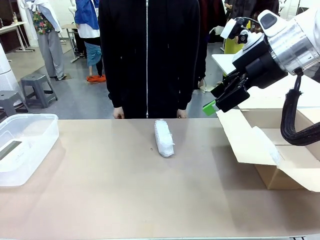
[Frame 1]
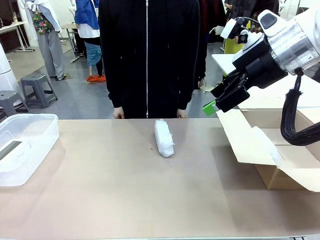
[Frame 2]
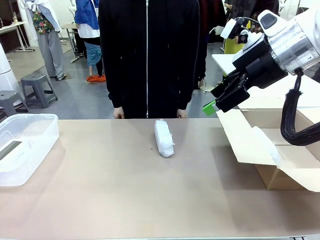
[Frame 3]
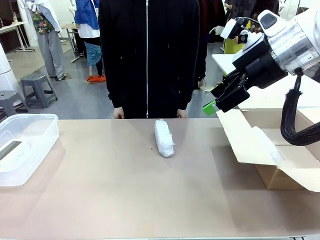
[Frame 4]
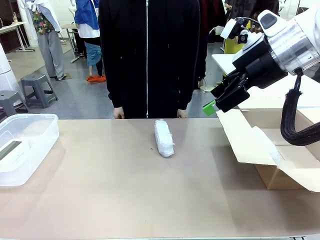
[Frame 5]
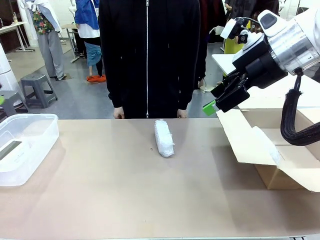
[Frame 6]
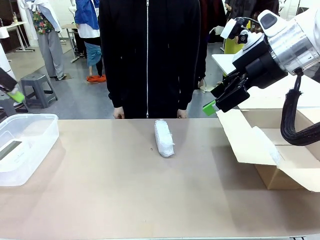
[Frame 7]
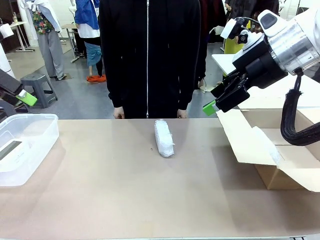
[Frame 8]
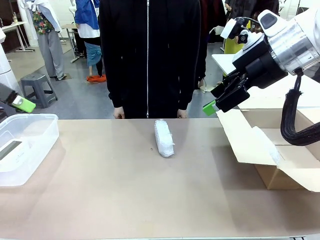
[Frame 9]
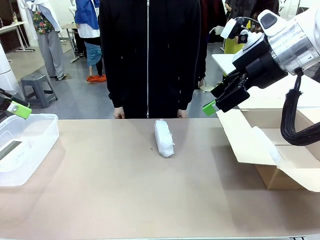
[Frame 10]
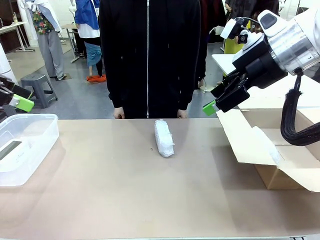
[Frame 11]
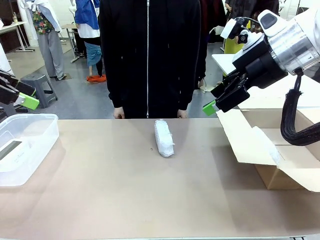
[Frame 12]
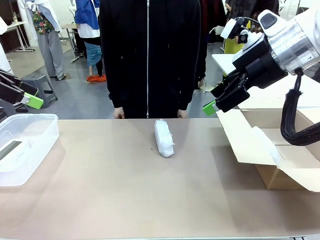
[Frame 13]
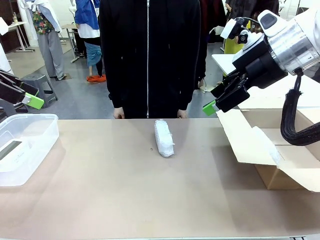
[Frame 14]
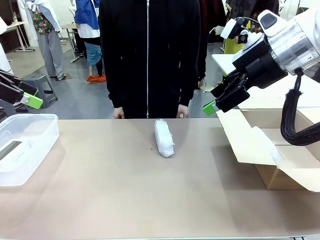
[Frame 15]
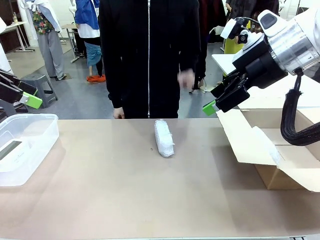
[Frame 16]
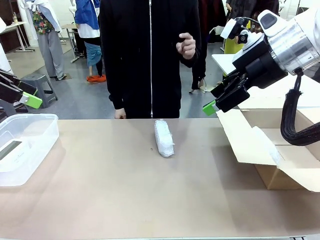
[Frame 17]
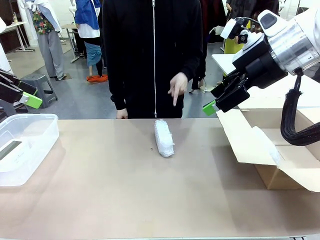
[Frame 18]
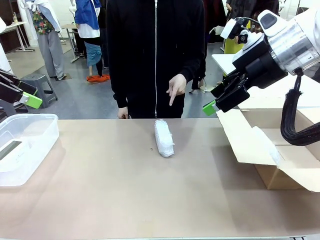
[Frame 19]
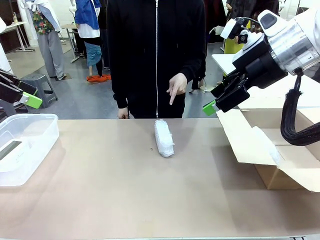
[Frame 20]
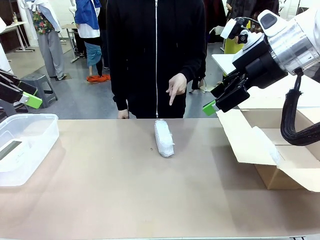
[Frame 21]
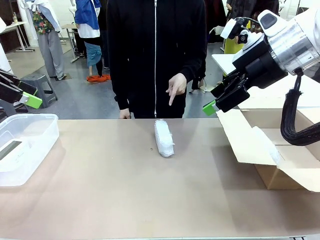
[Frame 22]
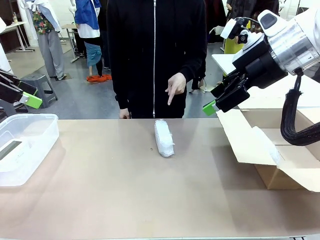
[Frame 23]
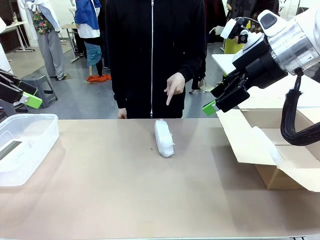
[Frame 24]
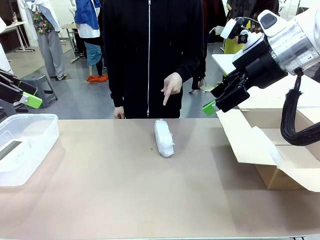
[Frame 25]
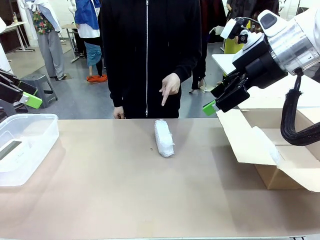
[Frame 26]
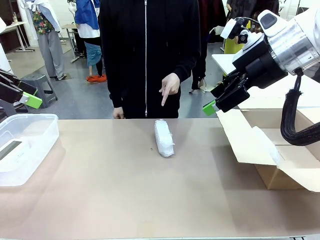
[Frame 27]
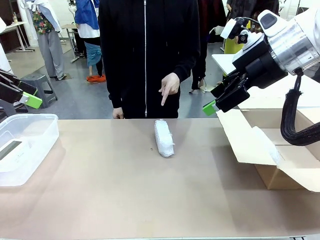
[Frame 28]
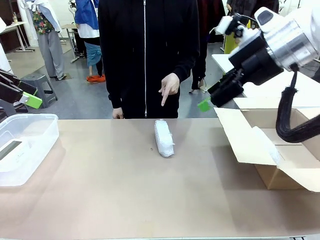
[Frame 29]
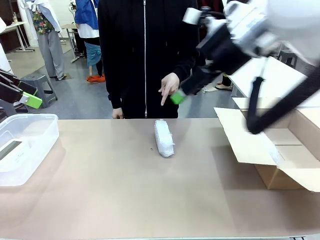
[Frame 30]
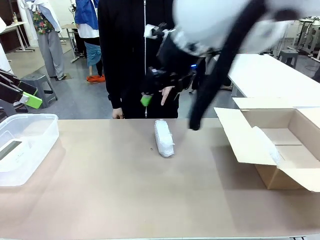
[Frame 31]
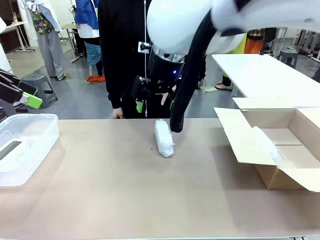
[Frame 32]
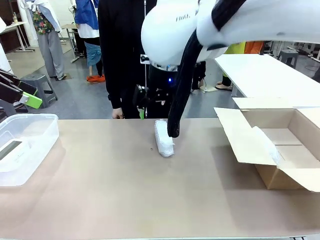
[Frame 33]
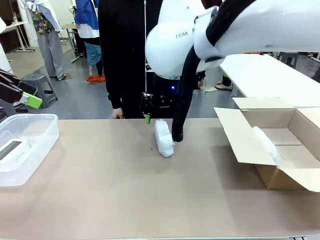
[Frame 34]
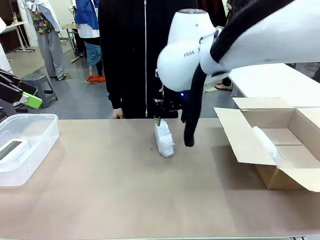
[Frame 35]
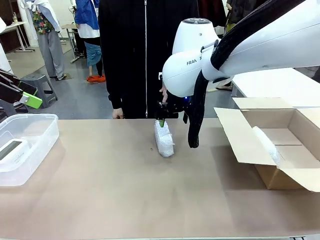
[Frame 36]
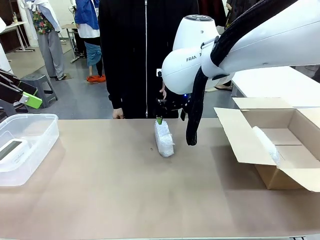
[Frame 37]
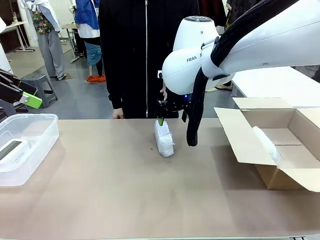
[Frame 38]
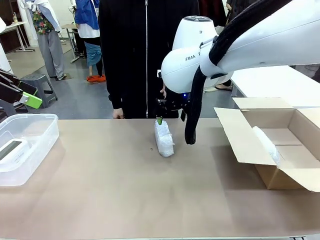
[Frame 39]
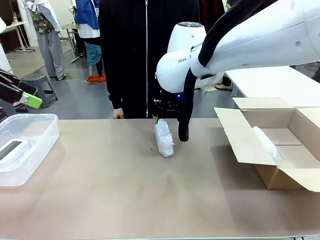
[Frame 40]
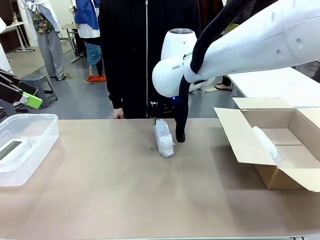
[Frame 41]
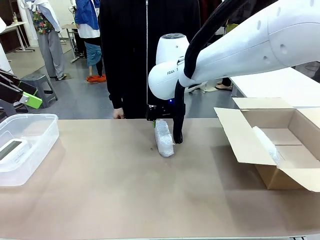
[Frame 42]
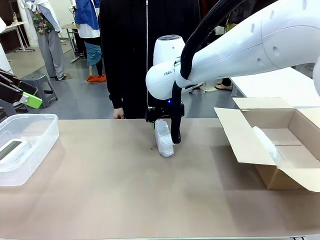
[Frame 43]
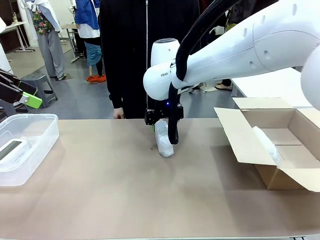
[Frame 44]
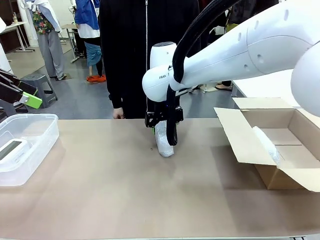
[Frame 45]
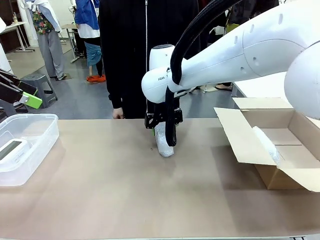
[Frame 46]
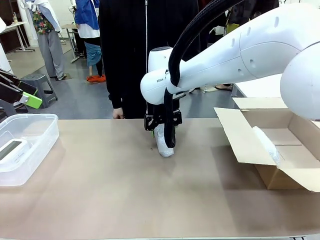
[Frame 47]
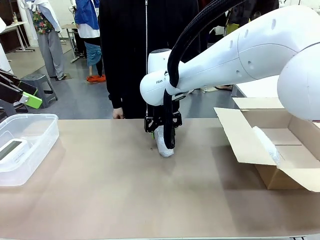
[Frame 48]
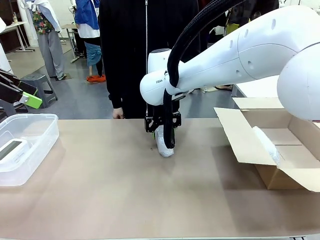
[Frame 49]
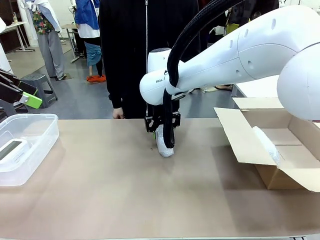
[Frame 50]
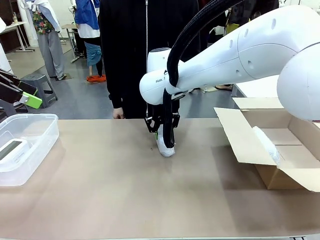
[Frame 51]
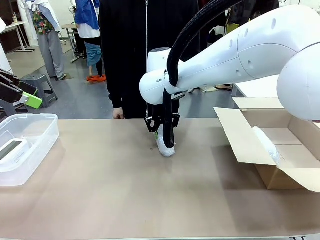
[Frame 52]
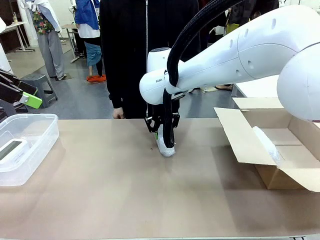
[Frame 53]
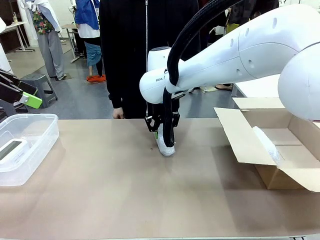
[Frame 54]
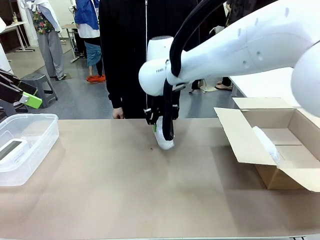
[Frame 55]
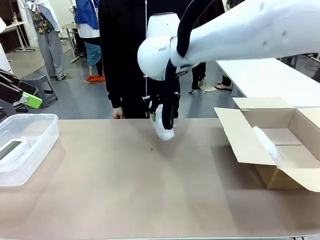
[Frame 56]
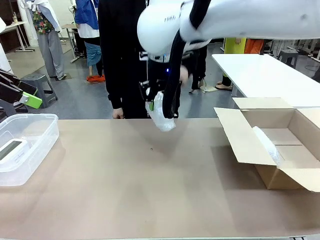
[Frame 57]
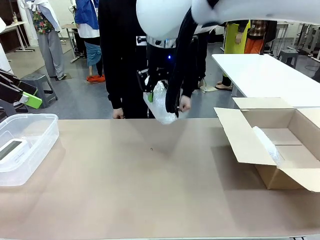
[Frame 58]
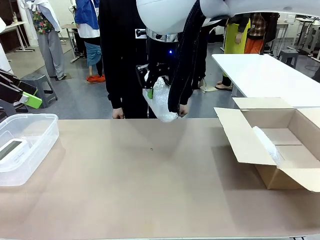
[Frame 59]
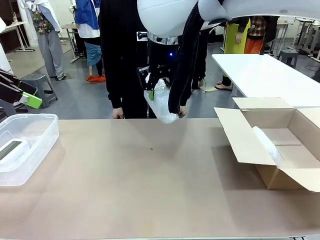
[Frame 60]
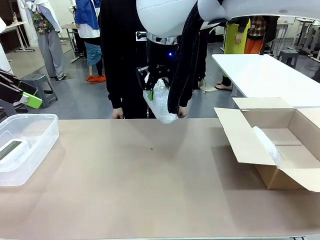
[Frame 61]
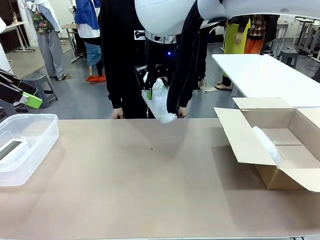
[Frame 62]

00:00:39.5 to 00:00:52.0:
Task: Separate and place wrapped and unwrapped clocks.
Robot: Pick up the Digital clock indicated by the person.

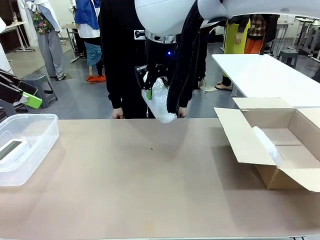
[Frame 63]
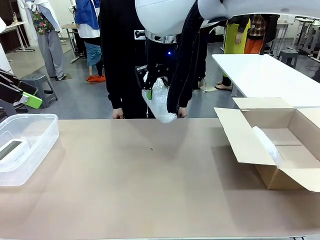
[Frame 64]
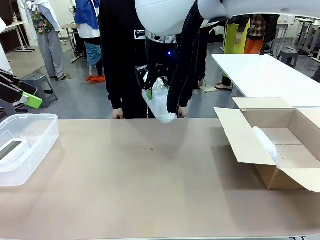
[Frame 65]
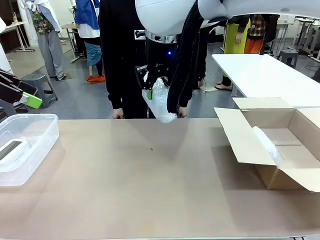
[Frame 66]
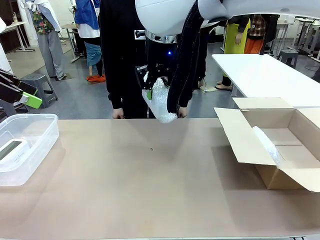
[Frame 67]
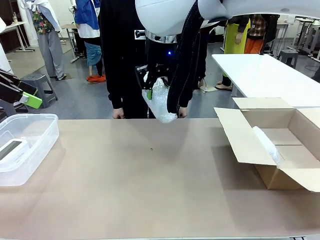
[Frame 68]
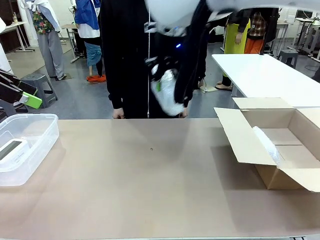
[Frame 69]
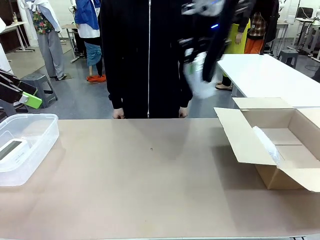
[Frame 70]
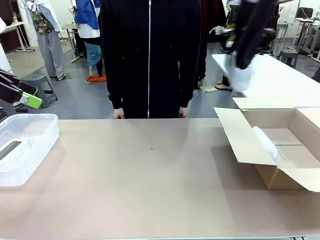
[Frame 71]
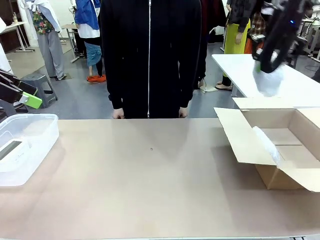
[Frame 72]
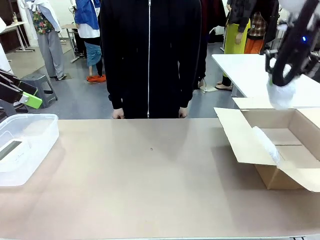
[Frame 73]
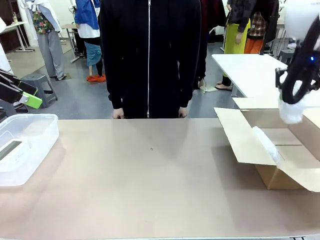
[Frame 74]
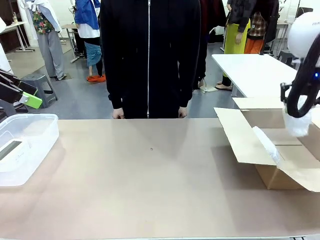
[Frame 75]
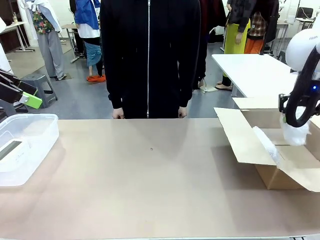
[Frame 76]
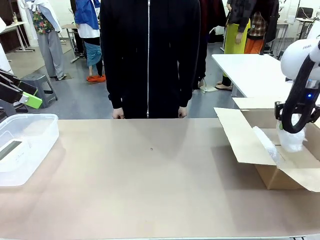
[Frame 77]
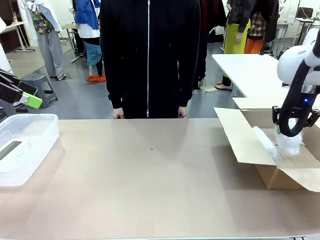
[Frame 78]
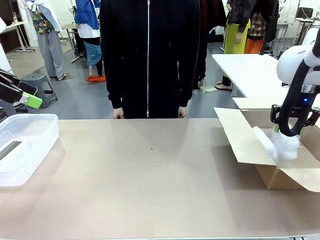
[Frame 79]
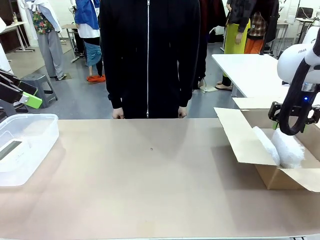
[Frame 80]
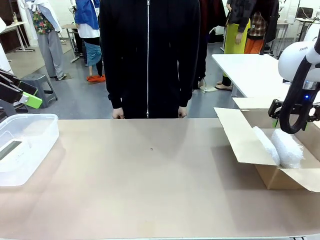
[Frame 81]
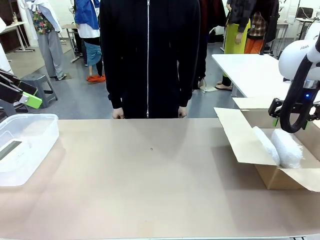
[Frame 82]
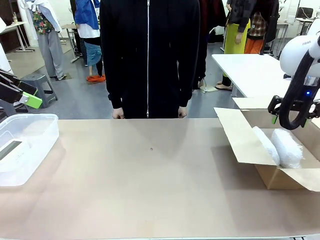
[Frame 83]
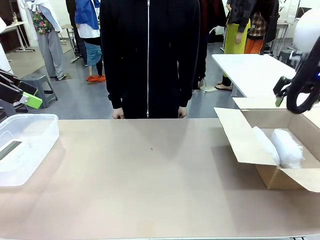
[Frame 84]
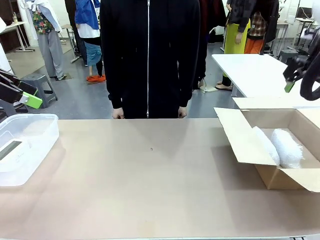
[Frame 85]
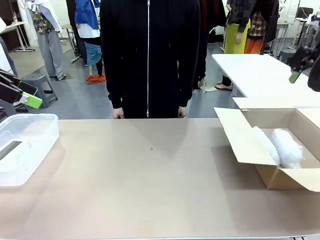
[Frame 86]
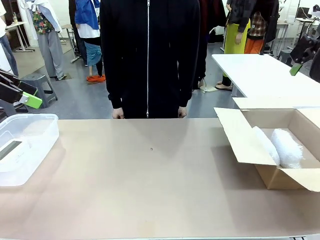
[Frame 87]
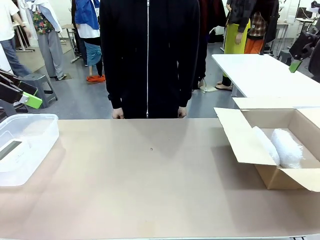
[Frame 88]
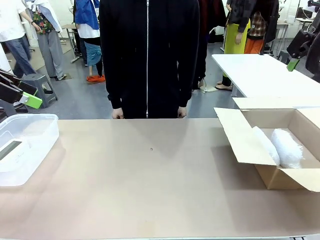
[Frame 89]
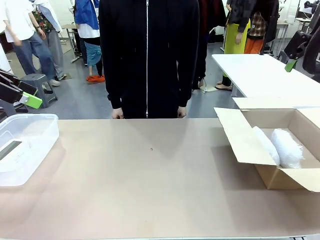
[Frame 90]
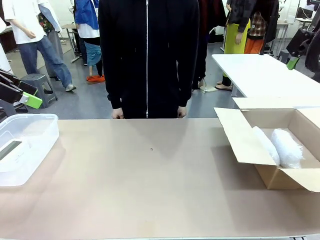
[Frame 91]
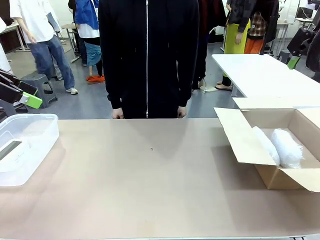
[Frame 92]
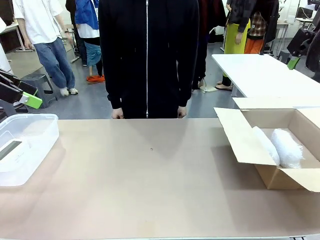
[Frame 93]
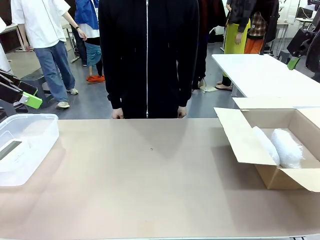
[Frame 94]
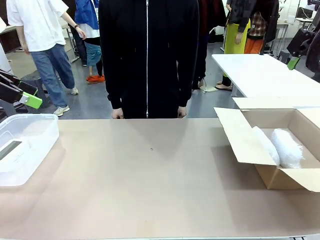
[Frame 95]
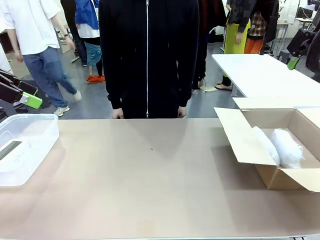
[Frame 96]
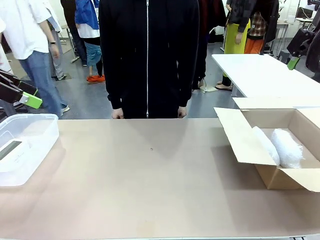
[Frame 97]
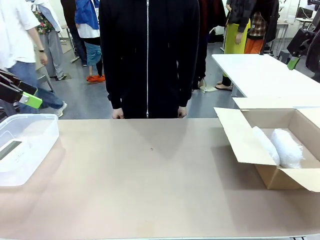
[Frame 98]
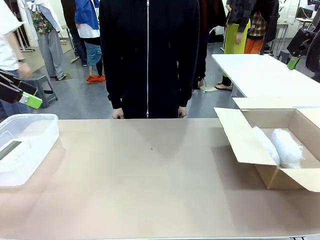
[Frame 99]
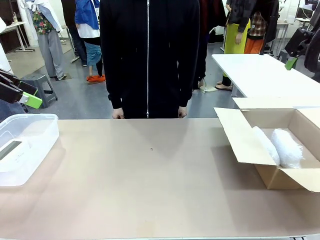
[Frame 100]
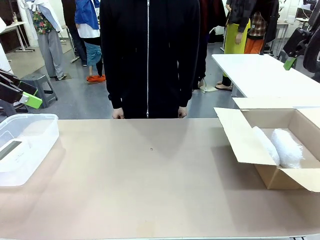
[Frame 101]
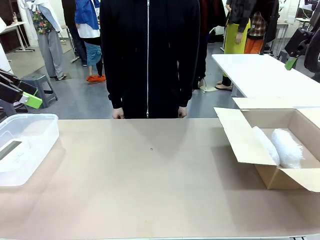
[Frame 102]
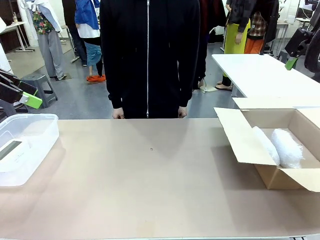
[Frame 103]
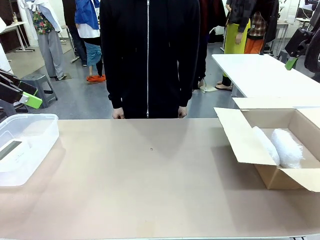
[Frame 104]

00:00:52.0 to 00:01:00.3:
Robot: If the picked Digital clock is wrapped, place it in the Package Box ; if not, place it in the Organizing box.
